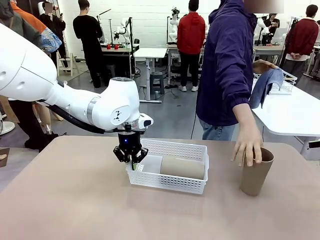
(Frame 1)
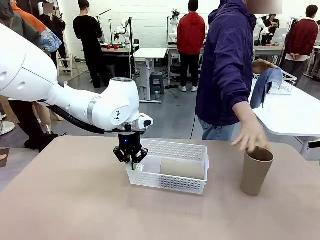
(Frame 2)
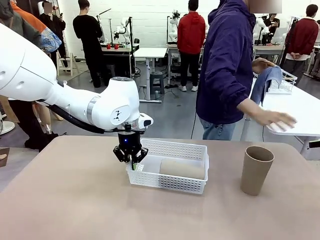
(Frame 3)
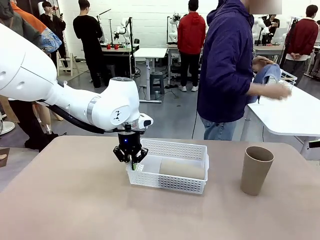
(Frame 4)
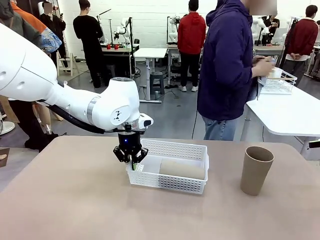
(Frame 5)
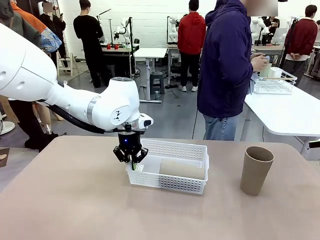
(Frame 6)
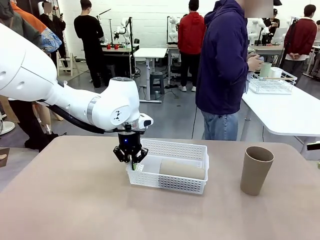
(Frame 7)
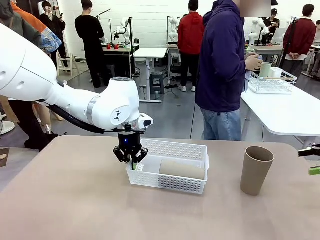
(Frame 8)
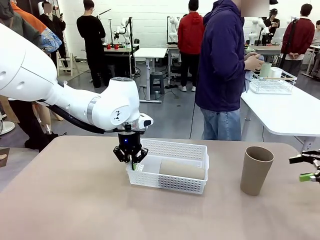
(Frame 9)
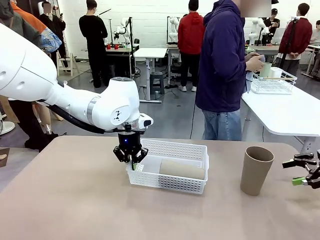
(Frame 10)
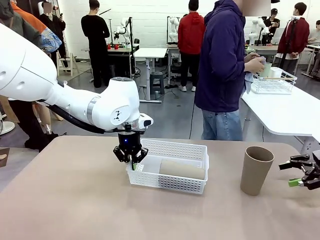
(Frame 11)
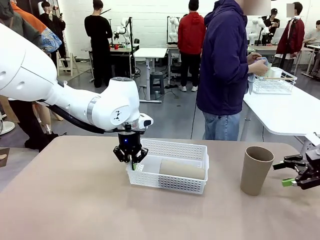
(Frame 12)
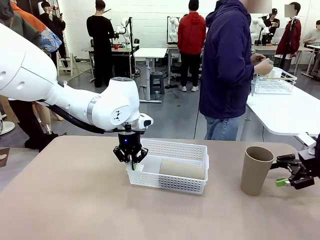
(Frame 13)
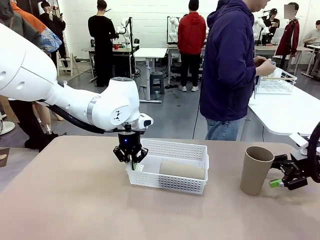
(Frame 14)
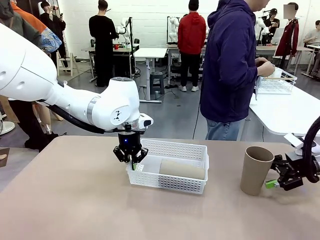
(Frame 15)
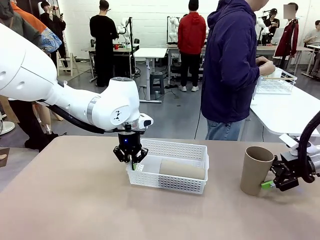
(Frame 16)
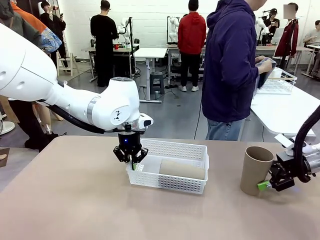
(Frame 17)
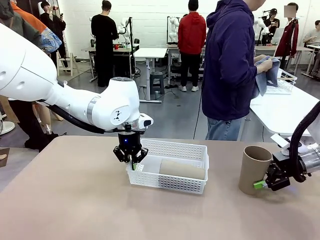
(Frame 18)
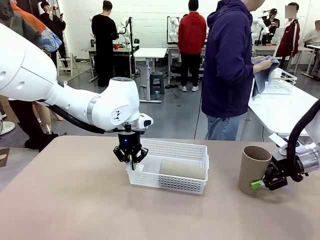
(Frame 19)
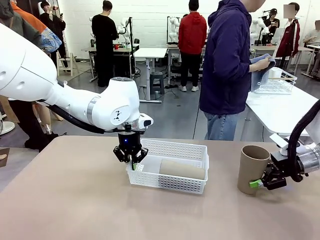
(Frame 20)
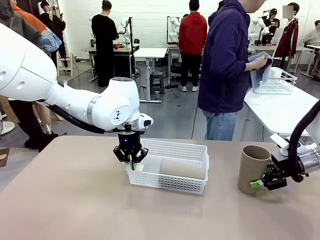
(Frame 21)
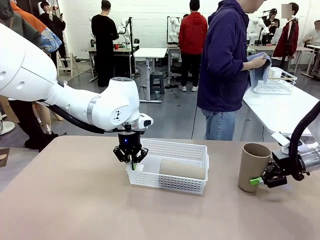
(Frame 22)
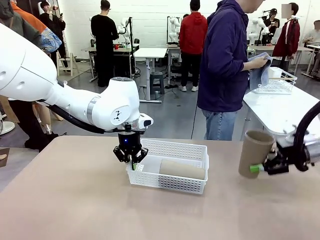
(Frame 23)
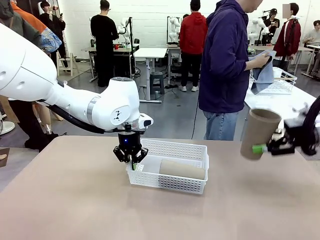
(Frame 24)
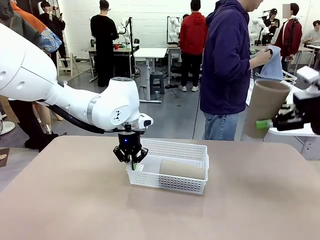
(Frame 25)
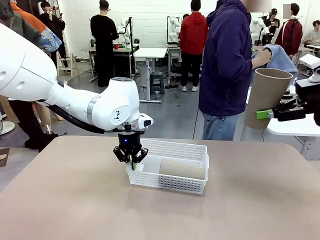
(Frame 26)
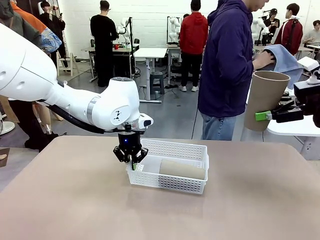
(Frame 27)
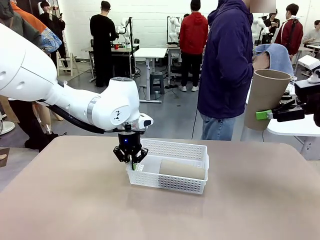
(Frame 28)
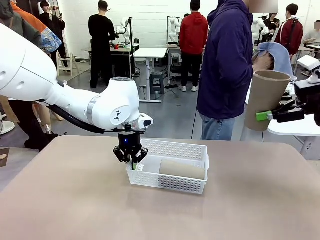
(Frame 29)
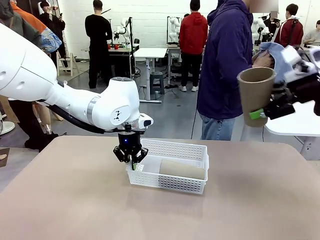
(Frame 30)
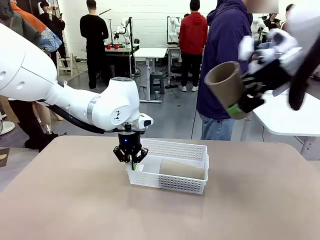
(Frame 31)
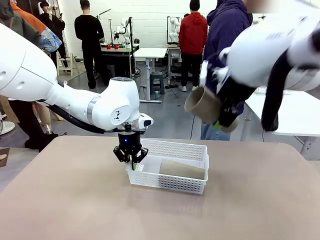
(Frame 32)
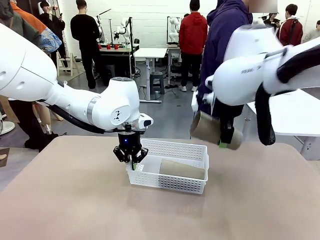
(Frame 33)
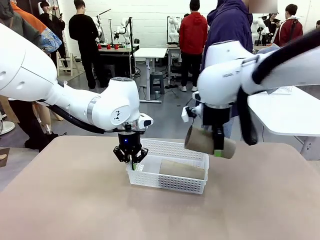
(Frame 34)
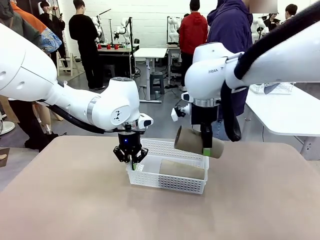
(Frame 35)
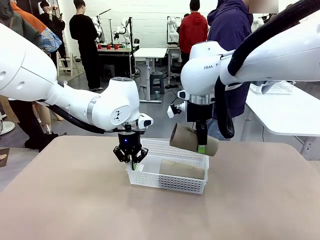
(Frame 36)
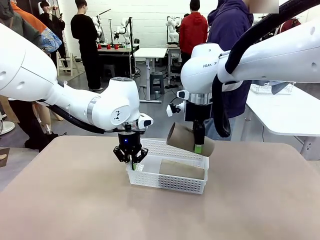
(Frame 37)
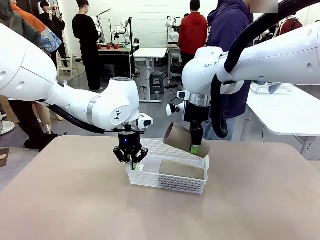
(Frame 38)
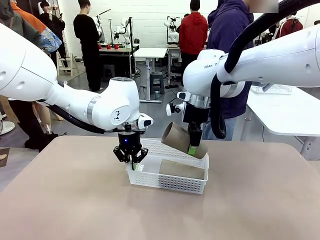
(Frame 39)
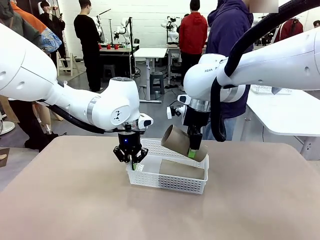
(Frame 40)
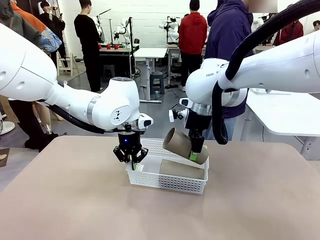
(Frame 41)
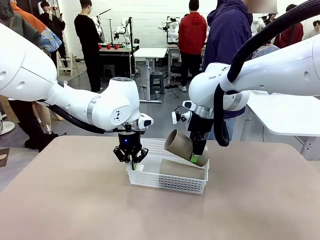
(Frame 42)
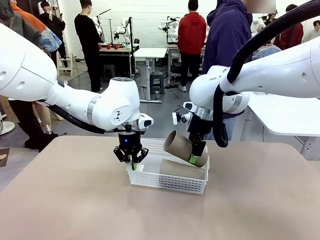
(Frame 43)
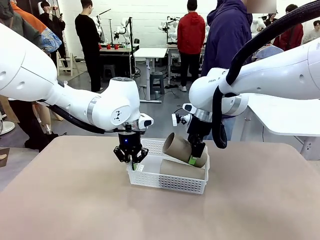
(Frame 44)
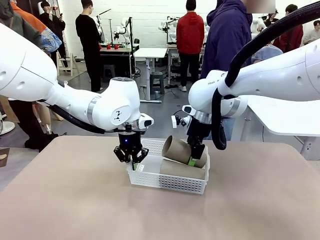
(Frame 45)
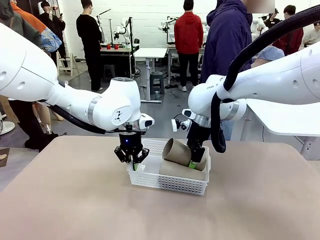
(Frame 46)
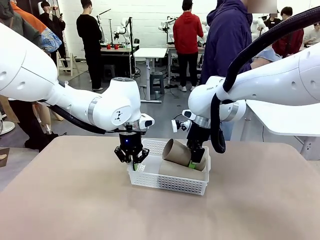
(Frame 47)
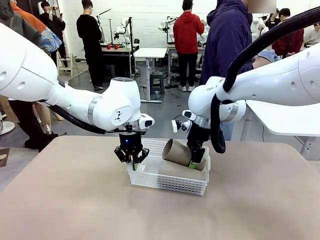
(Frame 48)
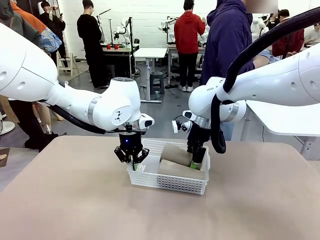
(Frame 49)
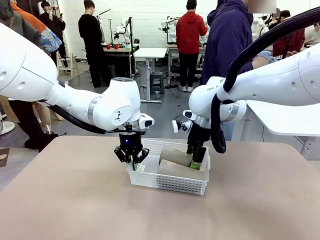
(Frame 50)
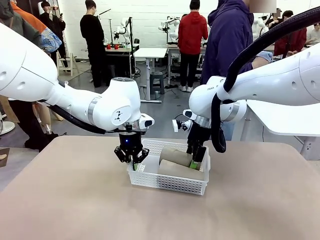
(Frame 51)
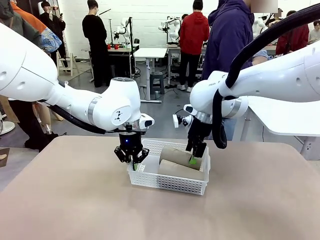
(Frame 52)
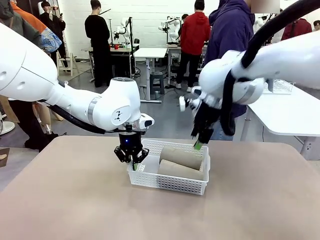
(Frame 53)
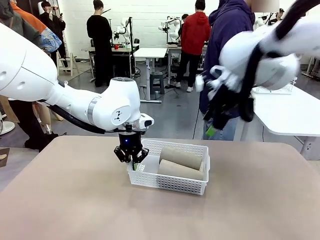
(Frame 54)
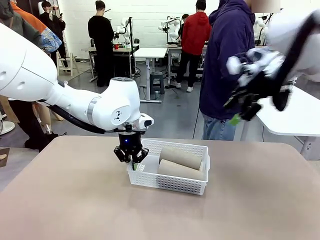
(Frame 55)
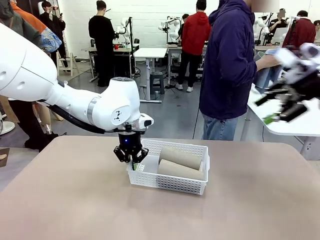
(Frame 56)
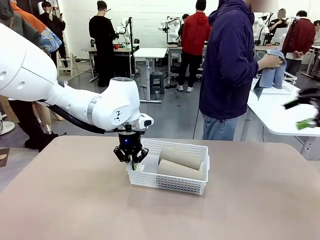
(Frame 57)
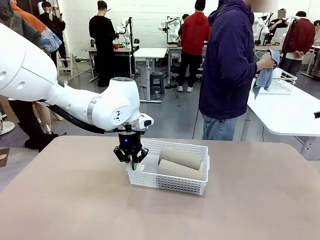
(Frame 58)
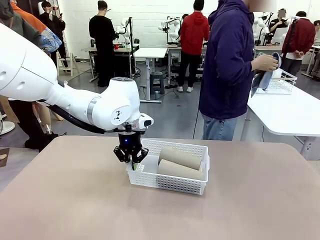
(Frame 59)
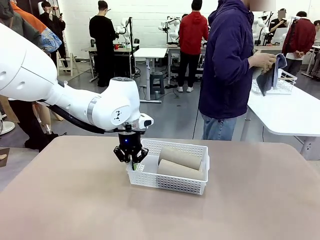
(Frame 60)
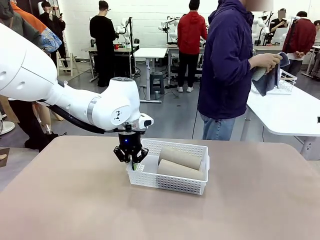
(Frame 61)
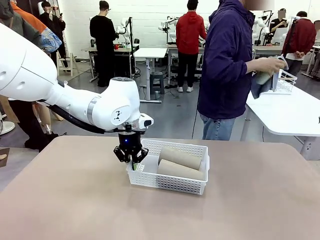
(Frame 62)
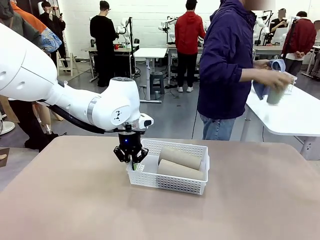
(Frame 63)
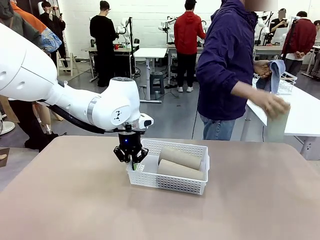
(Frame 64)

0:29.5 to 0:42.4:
Task: Clean and organize the cups into the basket.
Robot: Pick up the Reusable plastic cup from the right side of the table and stack it inside the Organizing basket in the center of the table.

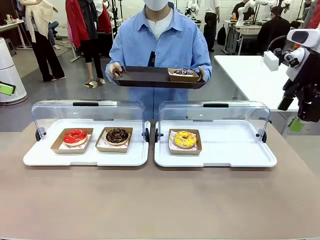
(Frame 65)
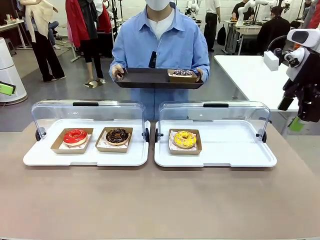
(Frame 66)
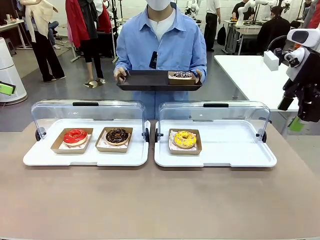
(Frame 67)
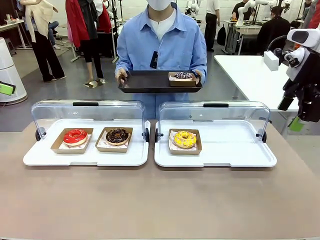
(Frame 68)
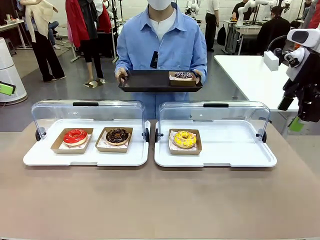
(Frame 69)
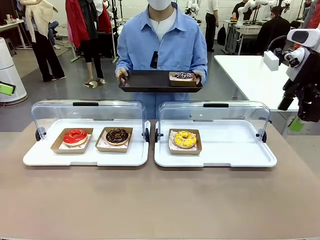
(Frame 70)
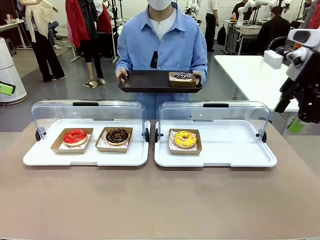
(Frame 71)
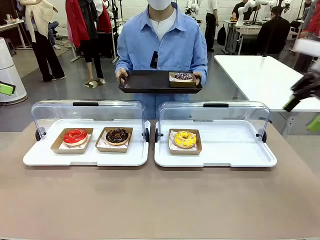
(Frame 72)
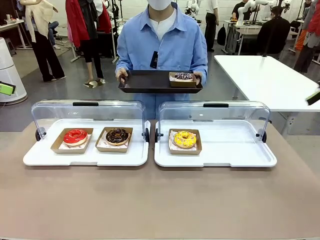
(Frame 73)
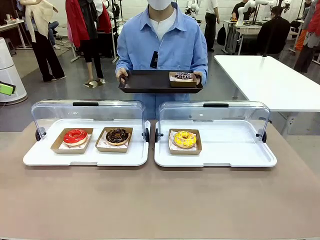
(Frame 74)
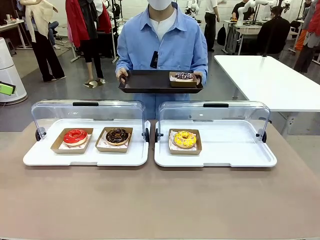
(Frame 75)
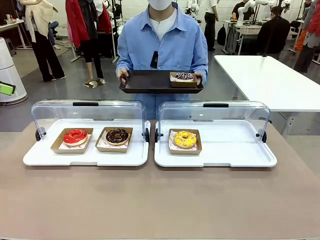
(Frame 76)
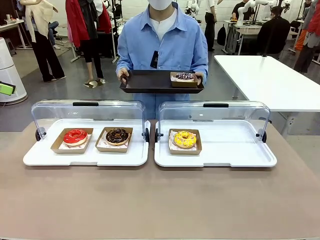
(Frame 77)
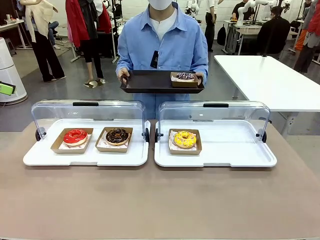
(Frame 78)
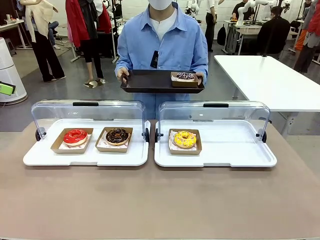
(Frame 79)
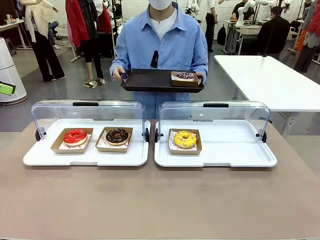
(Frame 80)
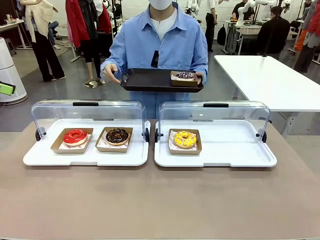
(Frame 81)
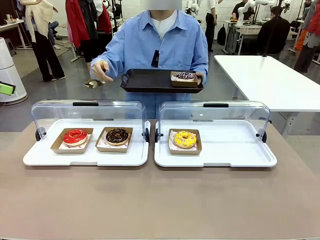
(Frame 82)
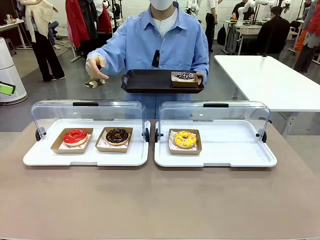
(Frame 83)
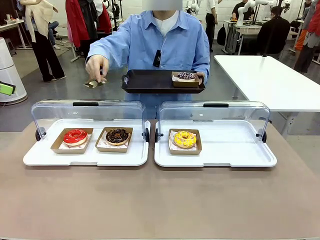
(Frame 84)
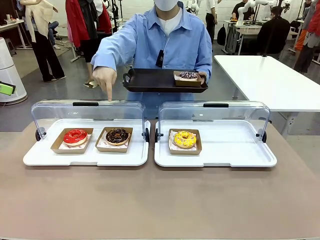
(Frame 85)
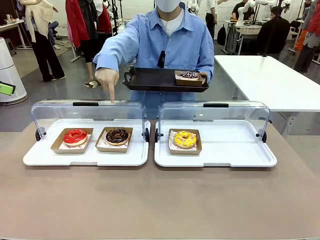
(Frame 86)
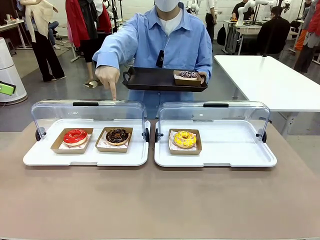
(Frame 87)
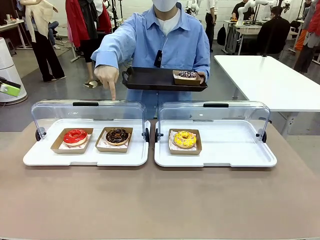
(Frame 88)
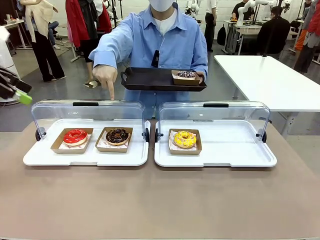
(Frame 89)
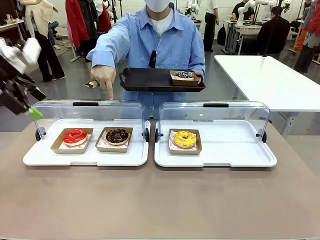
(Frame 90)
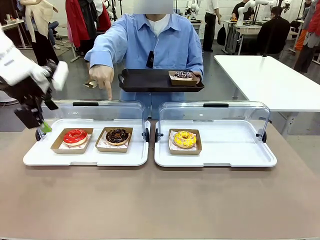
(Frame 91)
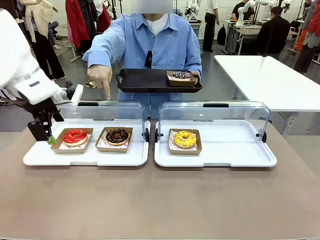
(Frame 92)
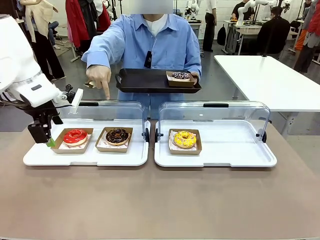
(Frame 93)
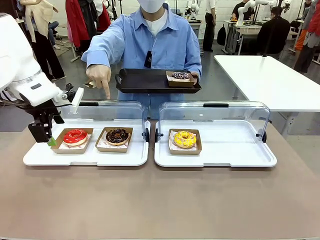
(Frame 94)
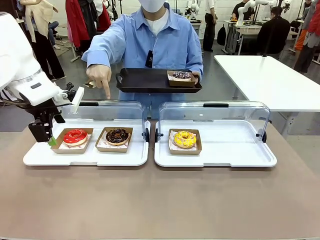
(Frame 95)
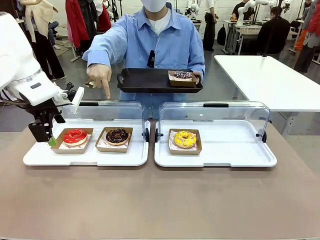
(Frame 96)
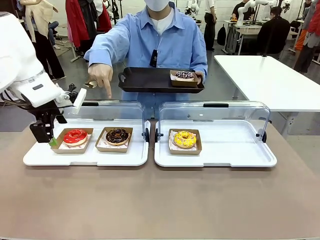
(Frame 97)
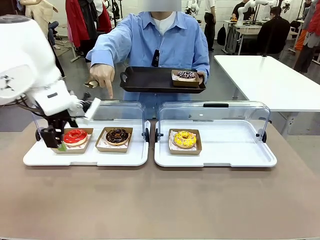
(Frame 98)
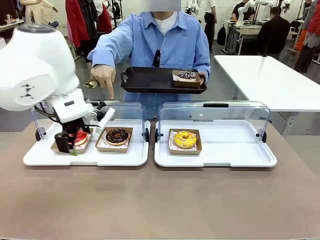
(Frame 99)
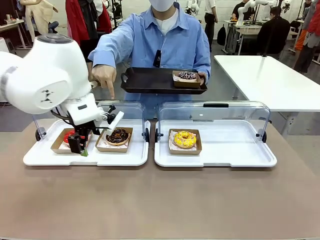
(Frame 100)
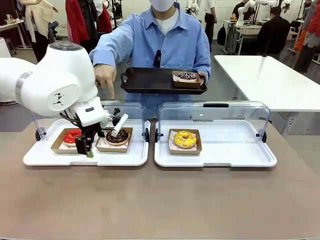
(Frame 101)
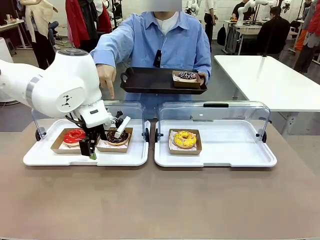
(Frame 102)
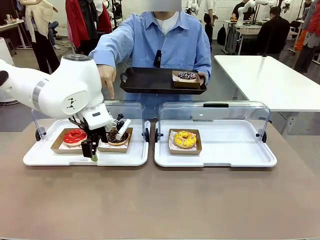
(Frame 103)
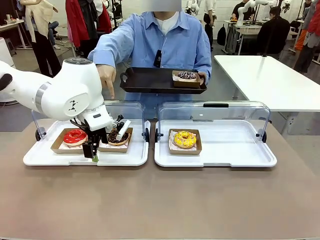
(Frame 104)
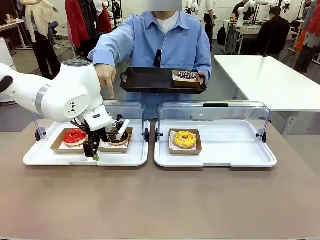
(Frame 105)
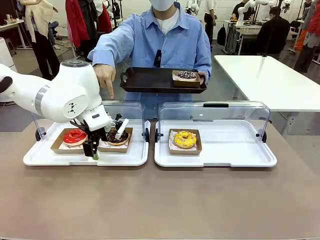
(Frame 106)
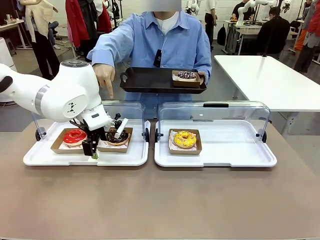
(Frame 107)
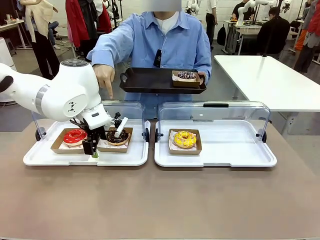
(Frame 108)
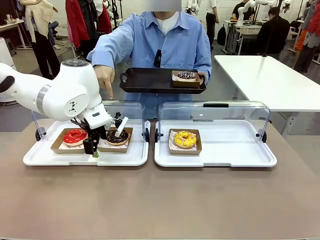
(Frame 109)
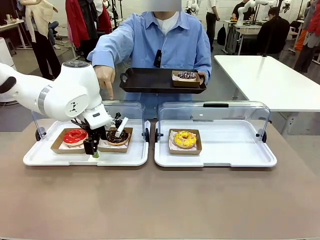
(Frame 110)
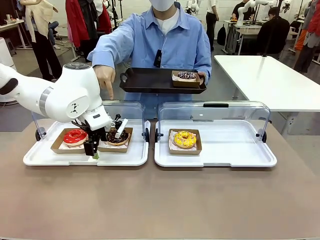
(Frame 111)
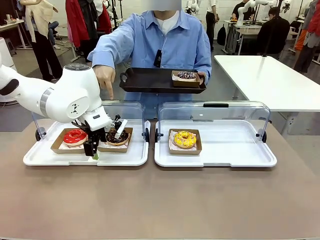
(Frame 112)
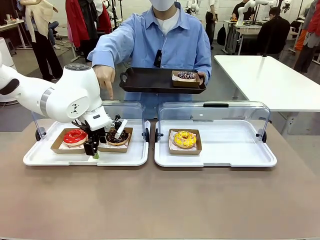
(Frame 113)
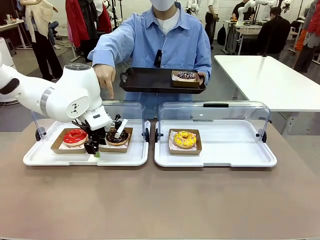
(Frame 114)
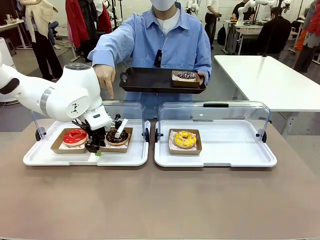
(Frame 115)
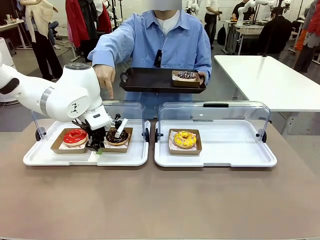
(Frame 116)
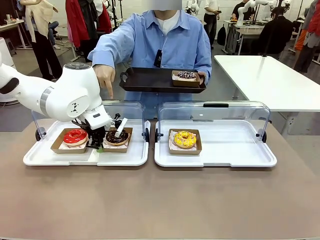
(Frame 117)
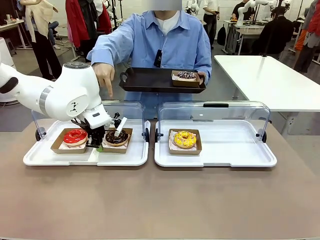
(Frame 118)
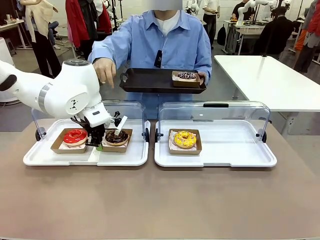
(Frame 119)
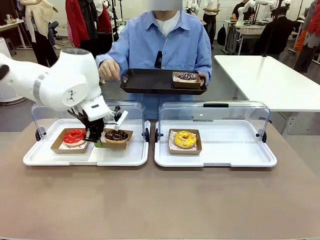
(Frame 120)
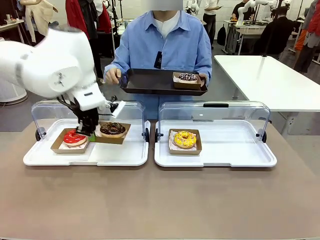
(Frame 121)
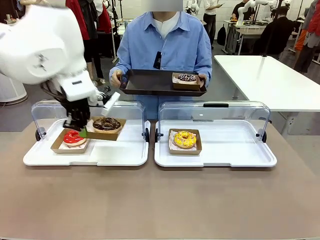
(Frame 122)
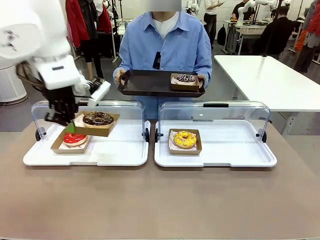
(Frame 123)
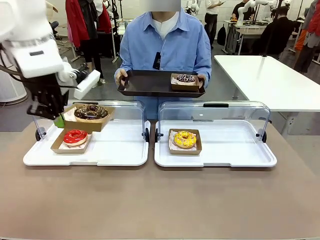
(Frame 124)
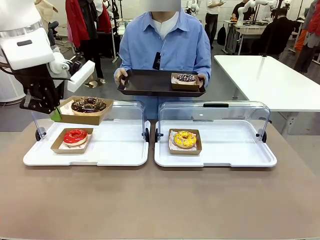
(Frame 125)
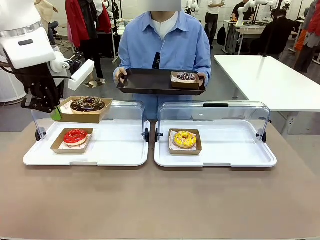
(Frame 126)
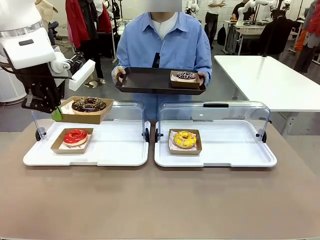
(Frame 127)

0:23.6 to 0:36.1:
Task: Provide the desired donut to the person.
Robot: Pick up and lift the Paper togo box containing the Donut pointed at by the person.
Person: Point to one donut. Lift the tray onto the Roll-Top Bakery Case.
